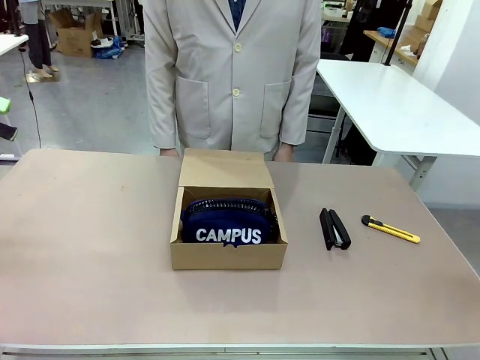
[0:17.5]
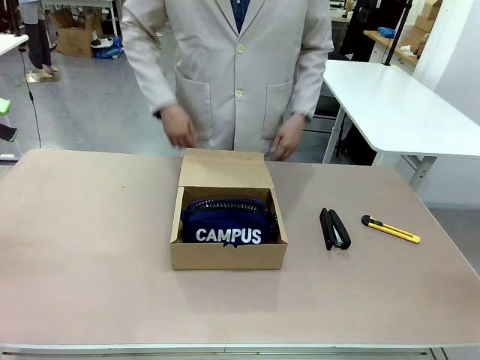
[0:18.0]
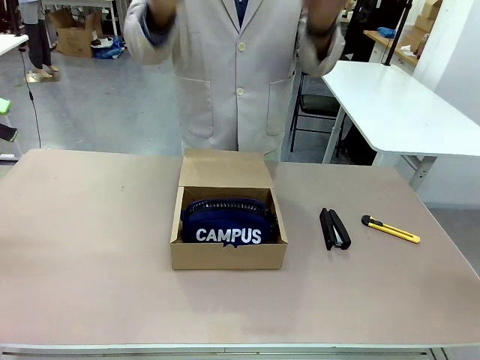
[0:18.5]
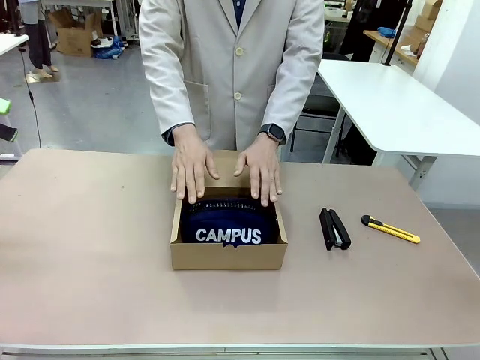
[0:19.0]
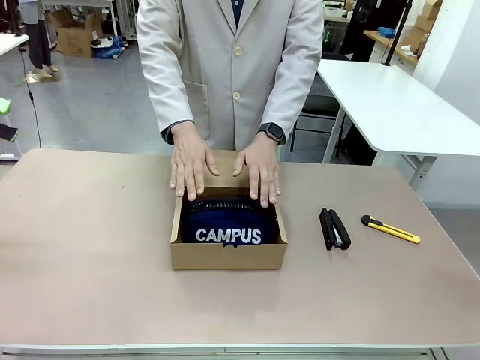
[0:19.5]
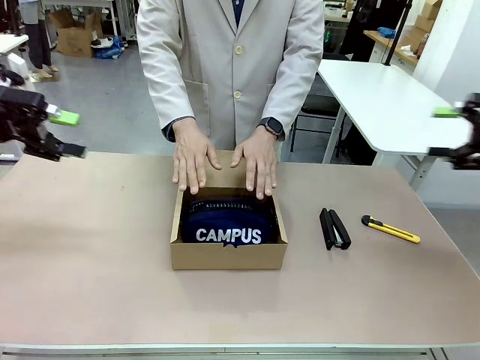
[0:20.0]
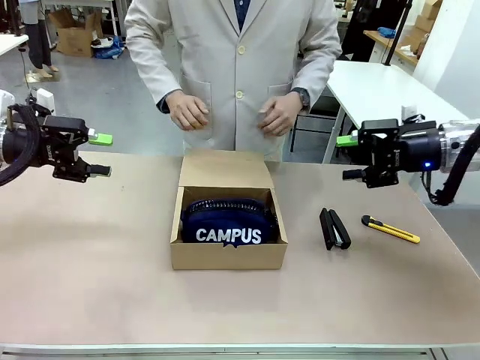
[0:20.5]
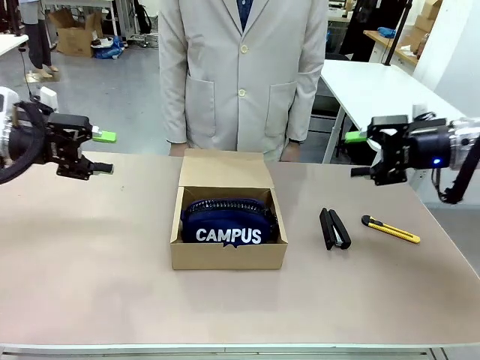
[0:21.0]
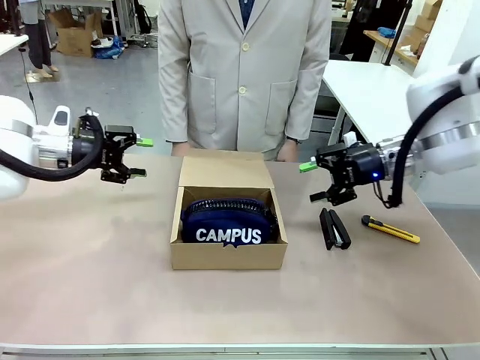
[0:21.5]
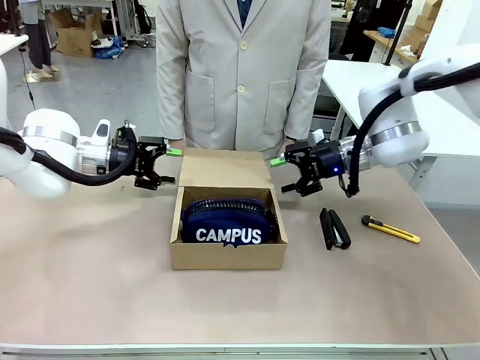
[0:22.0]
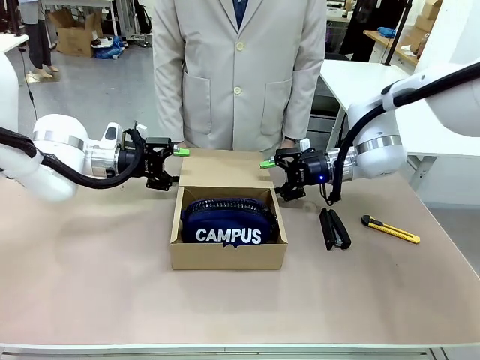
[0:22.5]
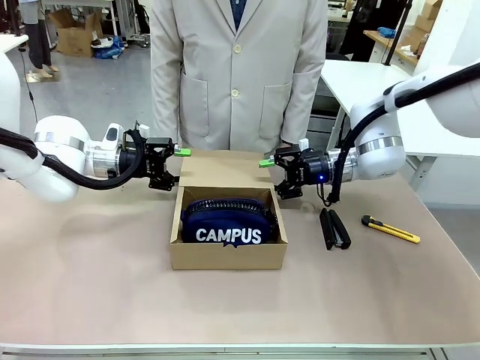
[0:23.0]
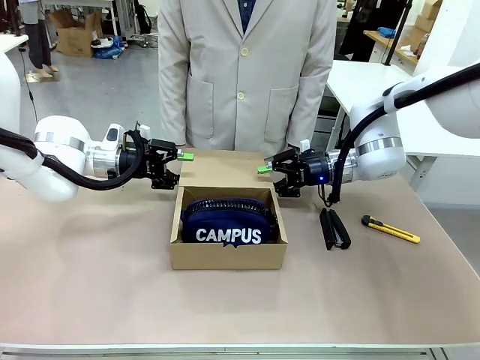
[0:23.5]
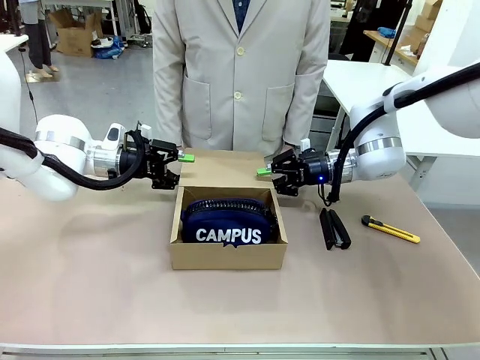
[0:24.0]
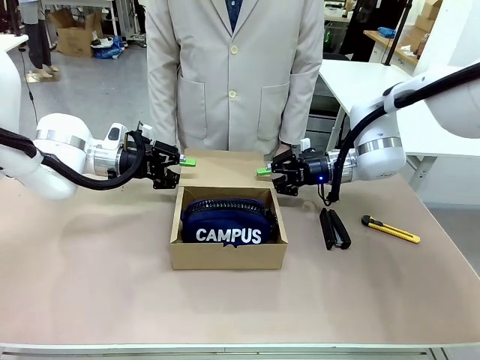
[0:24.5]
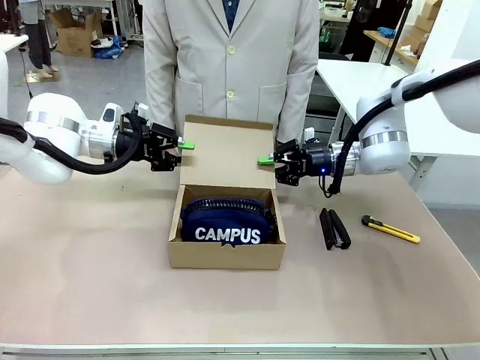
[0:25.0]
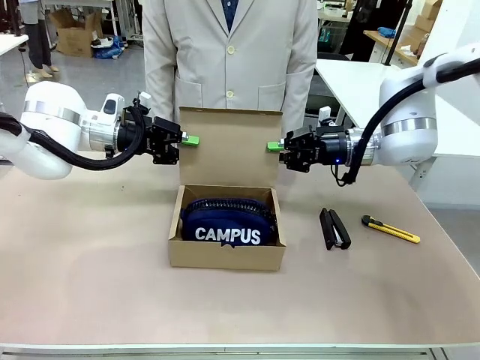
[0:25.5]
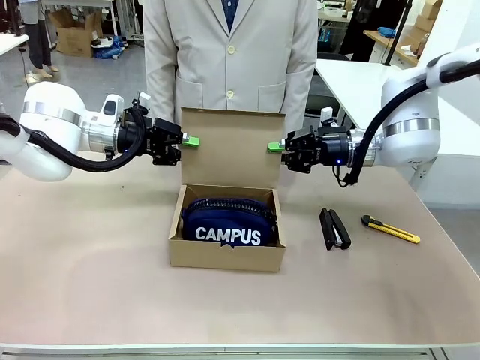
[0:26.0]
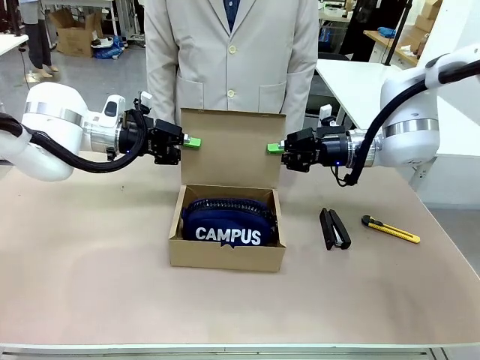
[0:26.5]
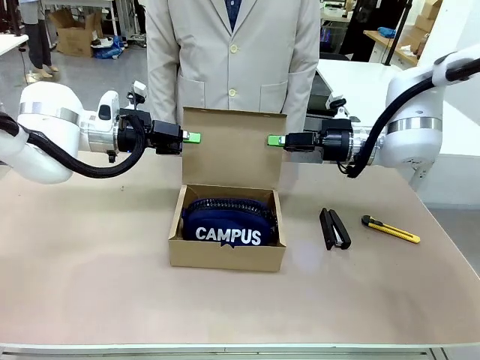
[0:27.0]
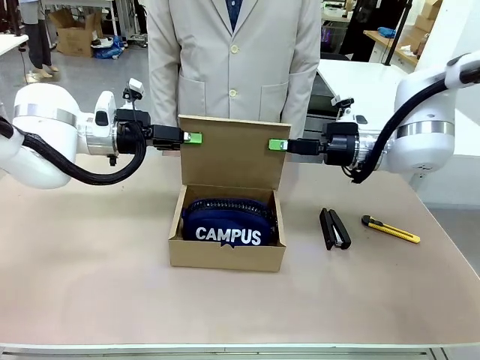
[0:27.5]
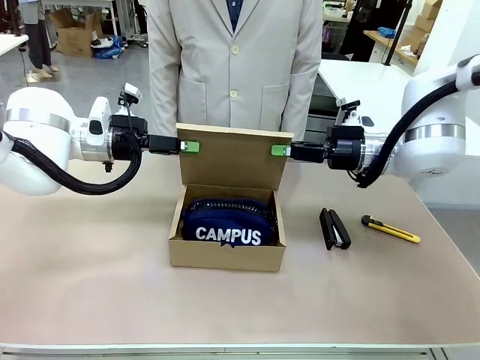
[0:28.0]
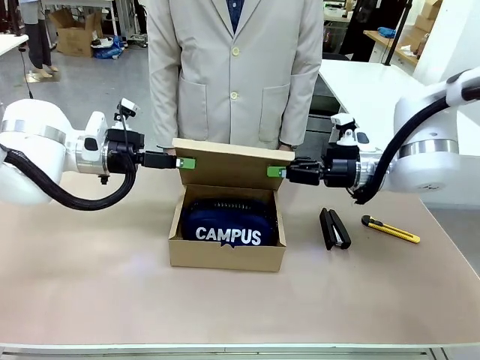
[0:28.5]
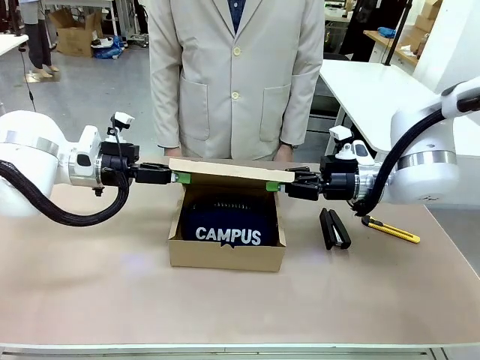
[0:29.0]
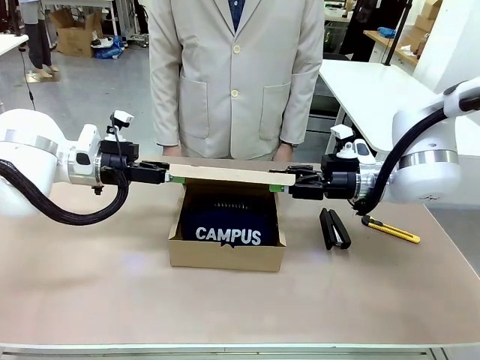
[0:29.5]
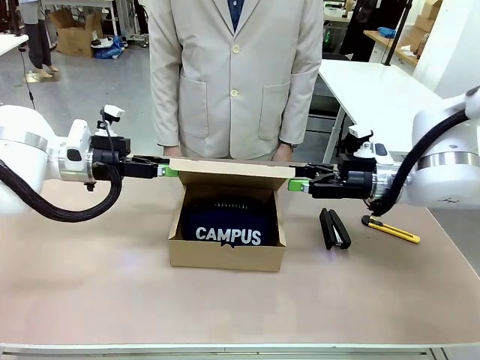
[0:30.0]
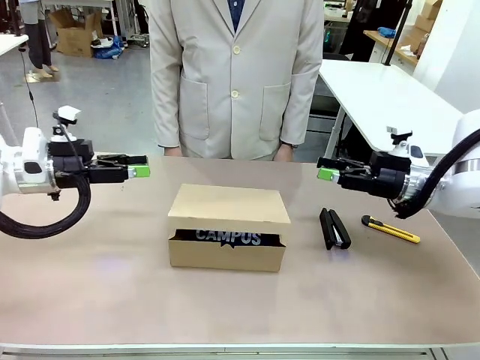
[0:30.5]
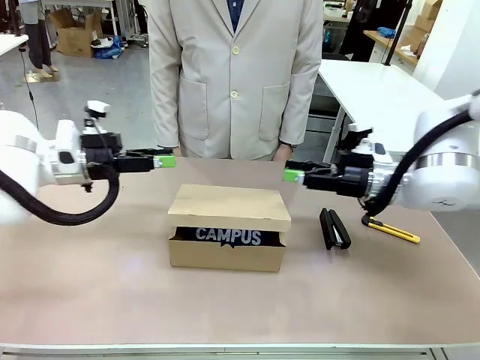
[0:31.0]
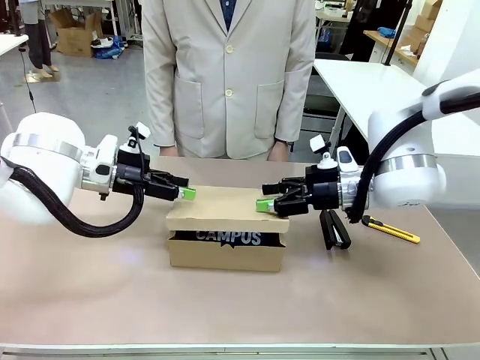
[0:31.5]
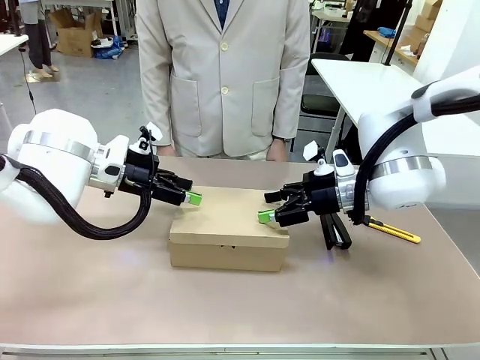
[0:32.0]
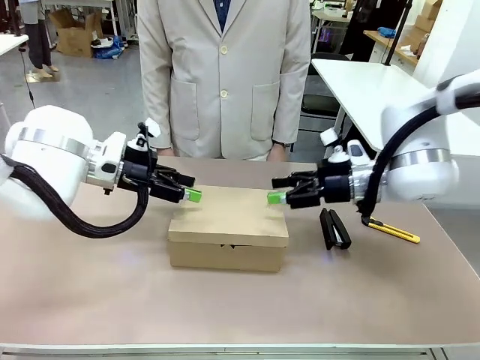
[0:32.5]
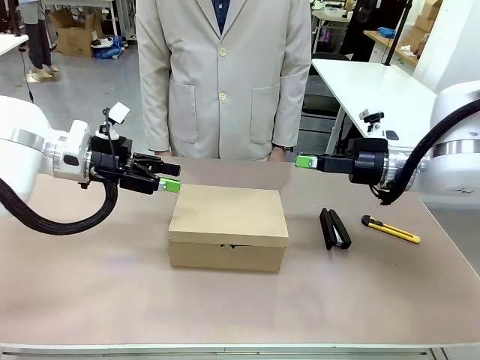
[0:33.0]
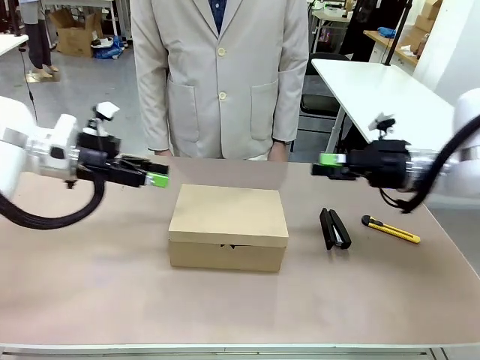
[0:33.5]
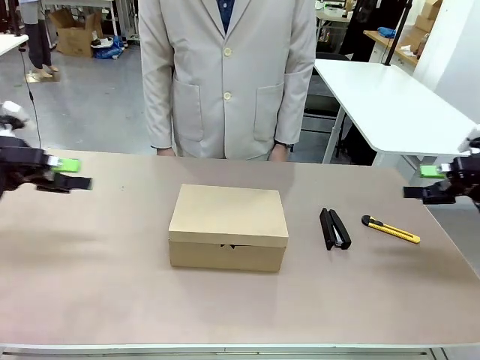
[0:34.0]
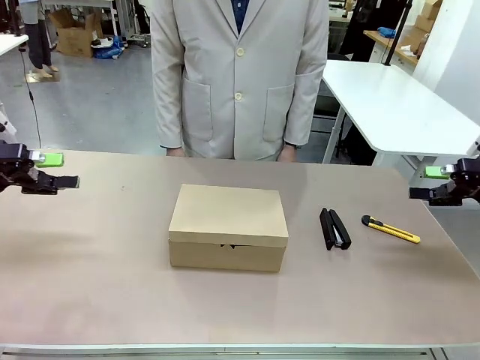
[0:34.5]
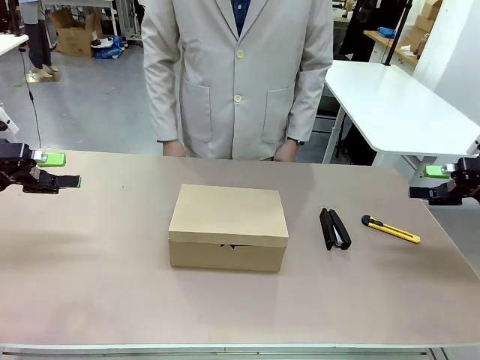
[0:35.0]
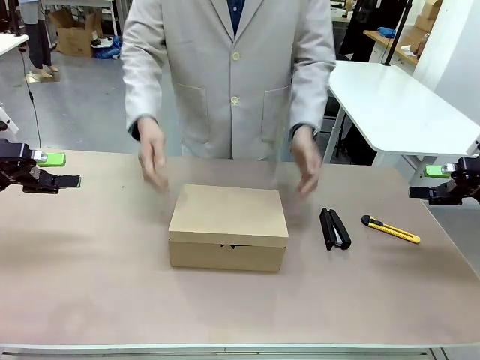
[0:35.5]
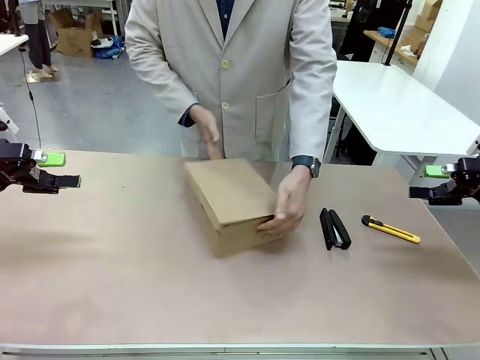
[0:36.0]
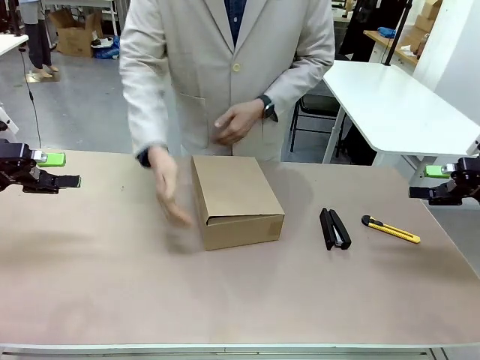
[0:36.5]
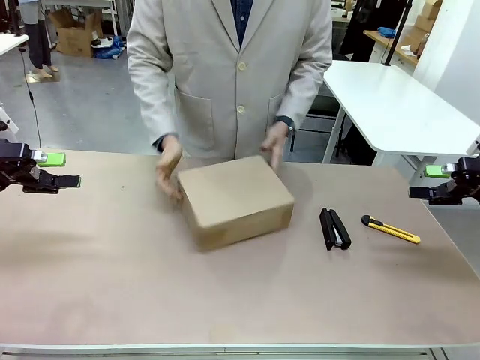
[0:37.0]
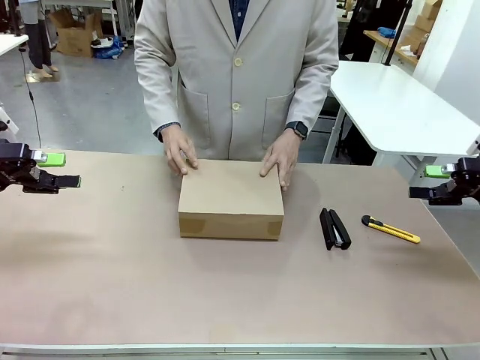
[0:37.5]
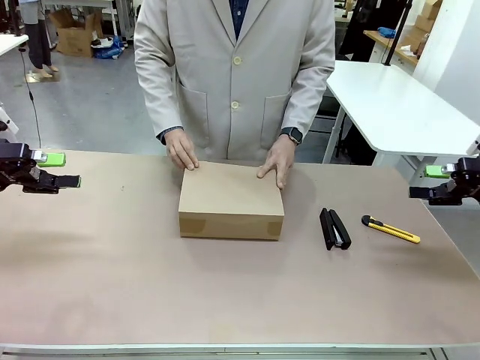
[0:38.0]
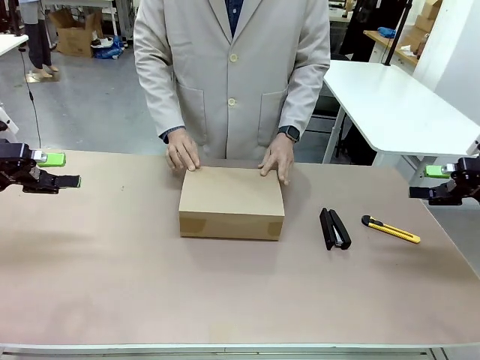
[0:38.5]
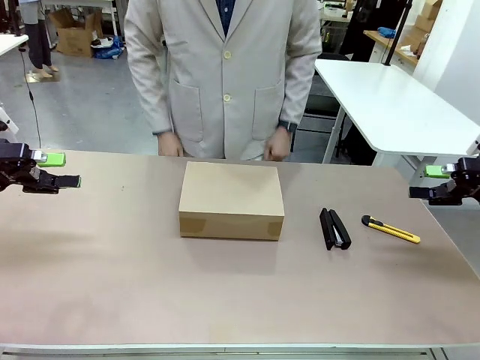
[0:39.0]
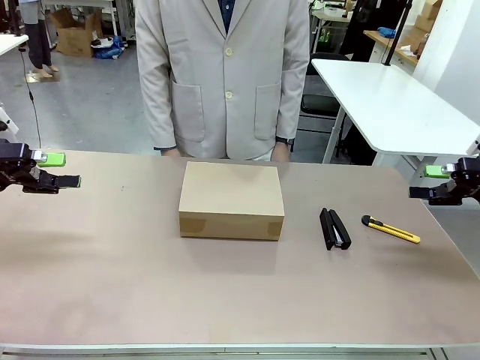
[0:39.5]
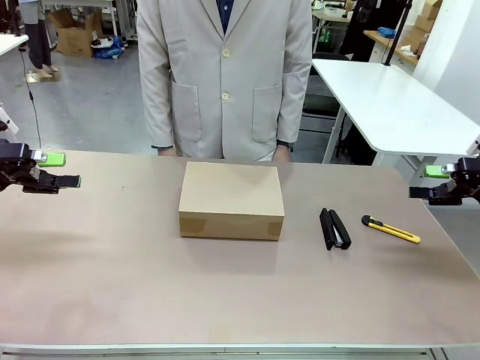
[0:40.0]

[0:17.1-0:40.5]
Task: Pack the item into the box.
Robot: Close the Mailer Box.
Person: Lower both hands vertically with palms facing downward, as if pressing something closed. Turn the box and lock it.
